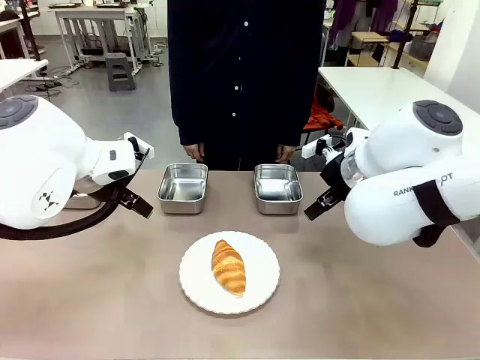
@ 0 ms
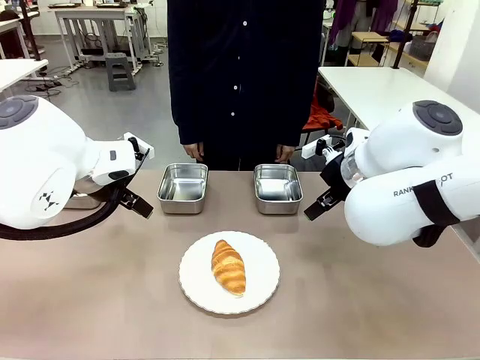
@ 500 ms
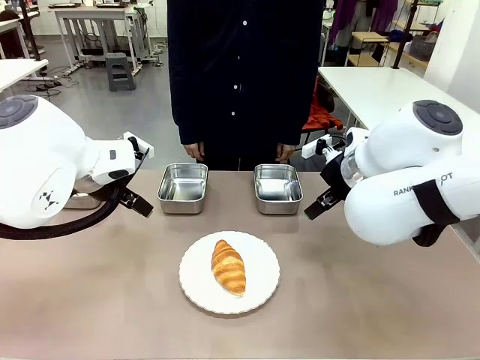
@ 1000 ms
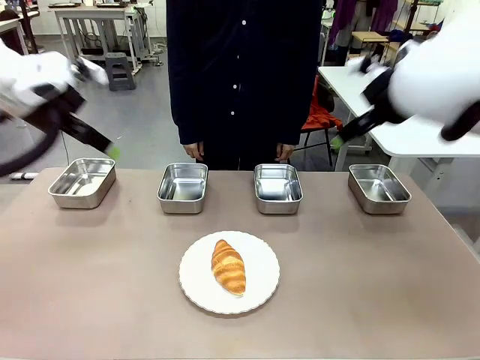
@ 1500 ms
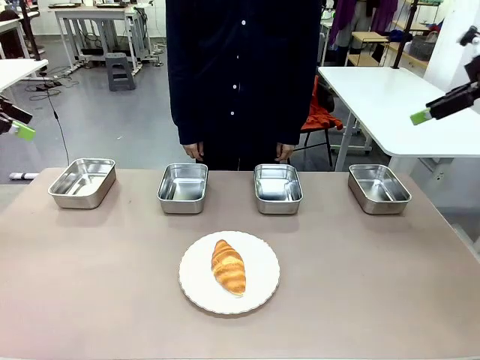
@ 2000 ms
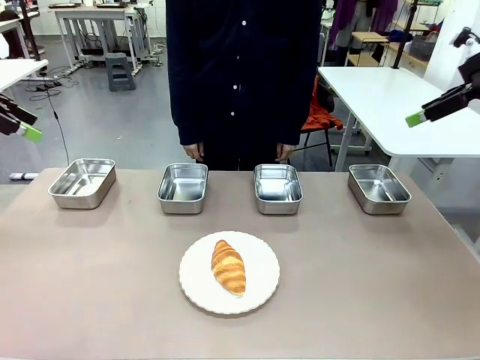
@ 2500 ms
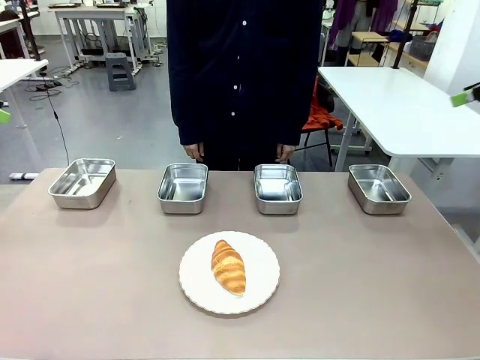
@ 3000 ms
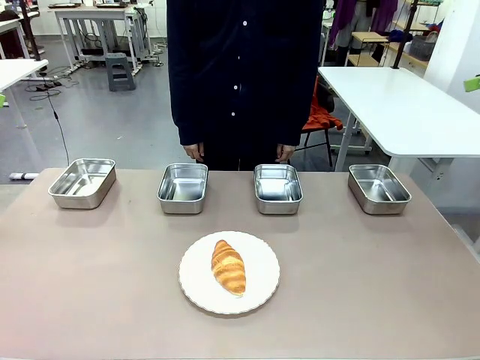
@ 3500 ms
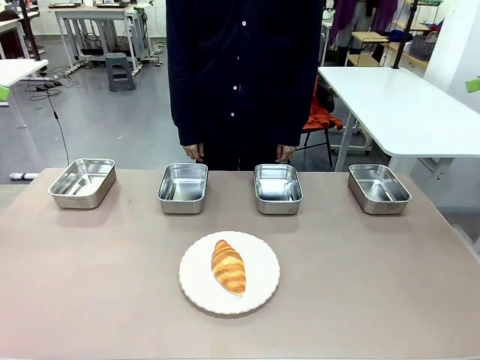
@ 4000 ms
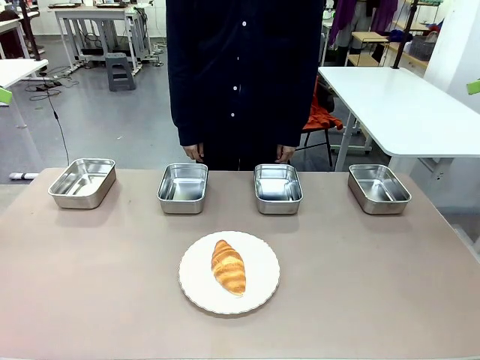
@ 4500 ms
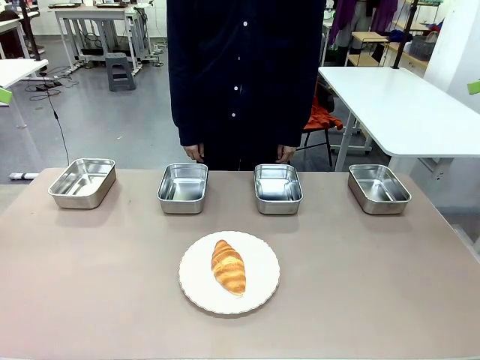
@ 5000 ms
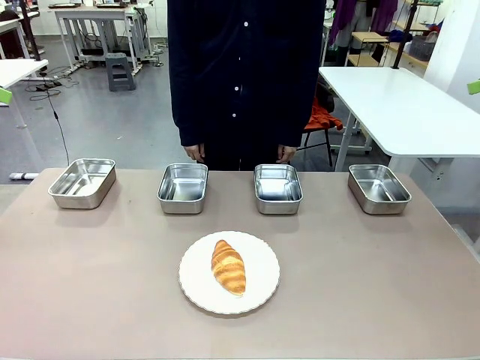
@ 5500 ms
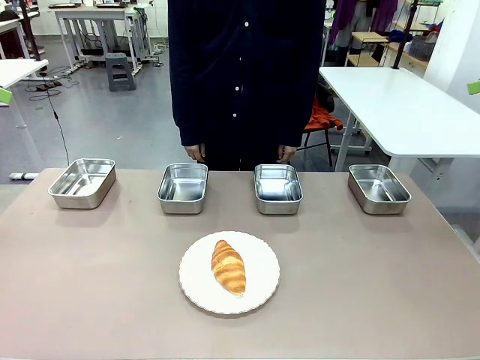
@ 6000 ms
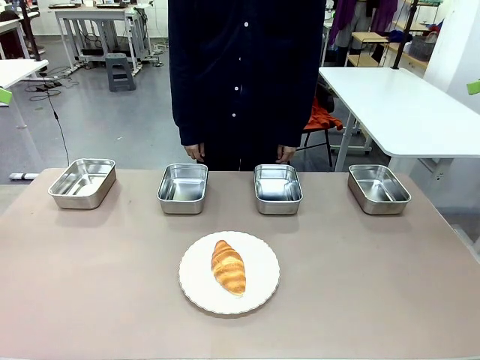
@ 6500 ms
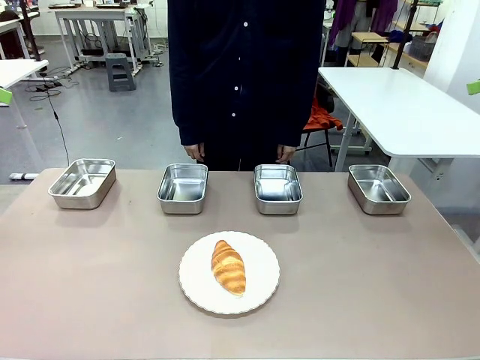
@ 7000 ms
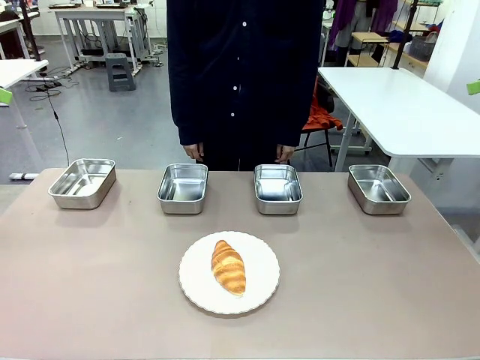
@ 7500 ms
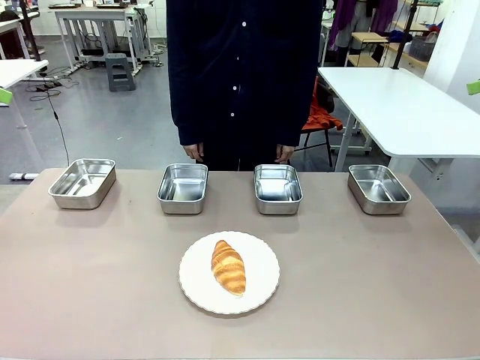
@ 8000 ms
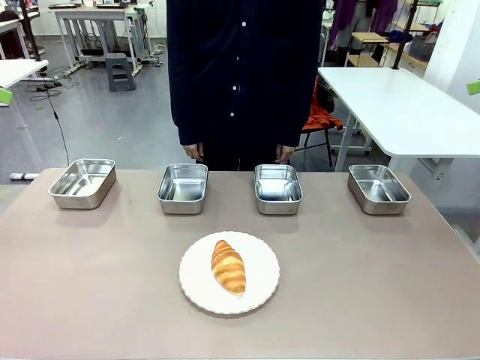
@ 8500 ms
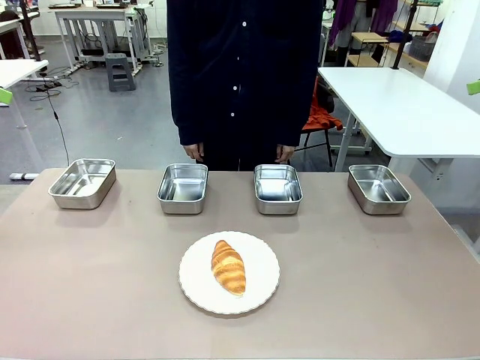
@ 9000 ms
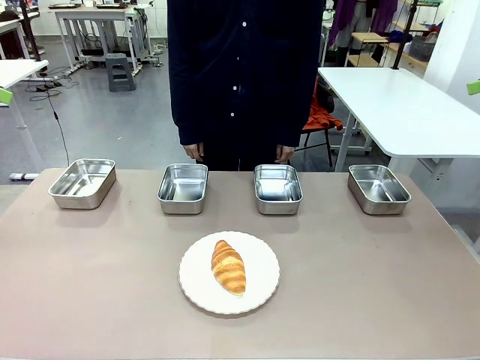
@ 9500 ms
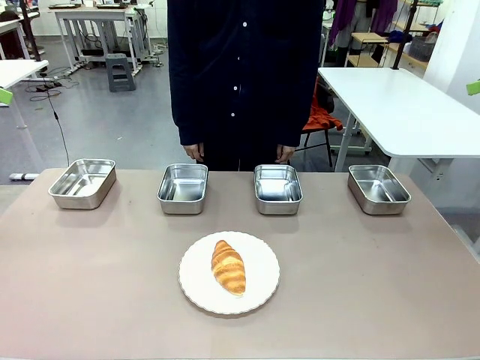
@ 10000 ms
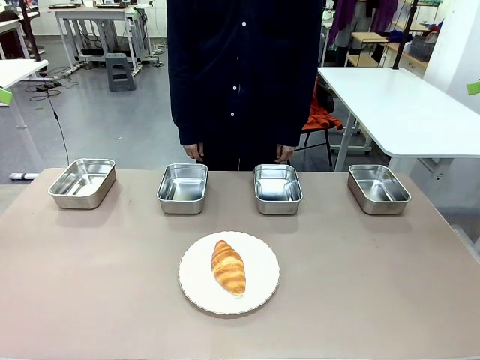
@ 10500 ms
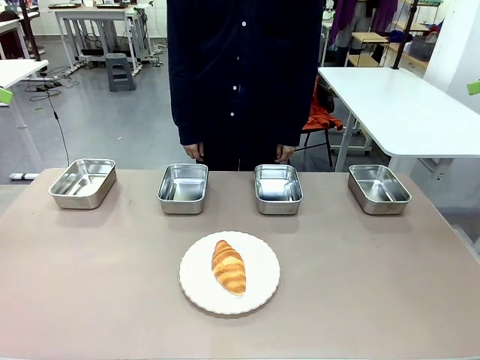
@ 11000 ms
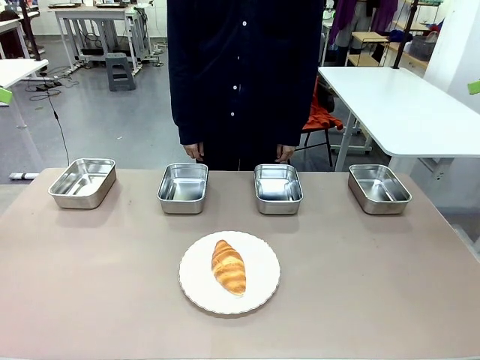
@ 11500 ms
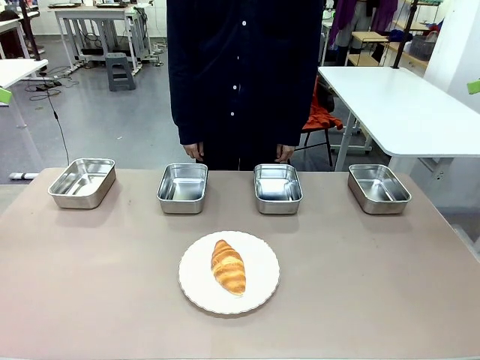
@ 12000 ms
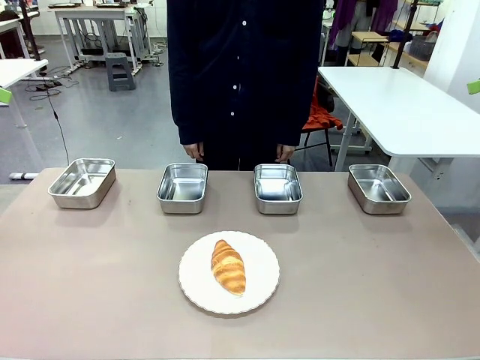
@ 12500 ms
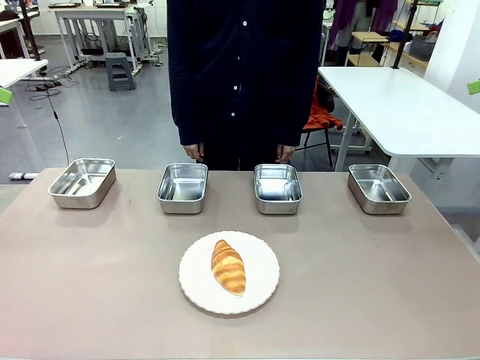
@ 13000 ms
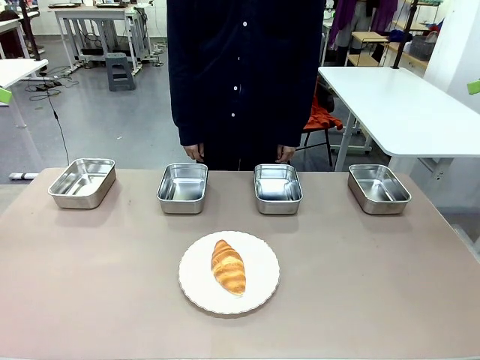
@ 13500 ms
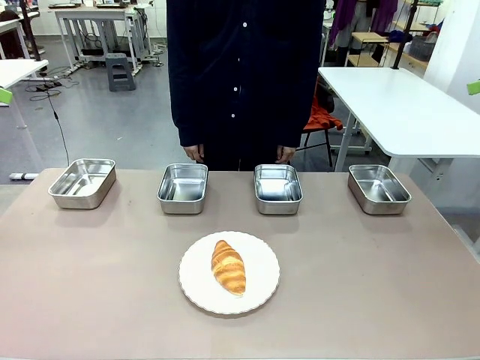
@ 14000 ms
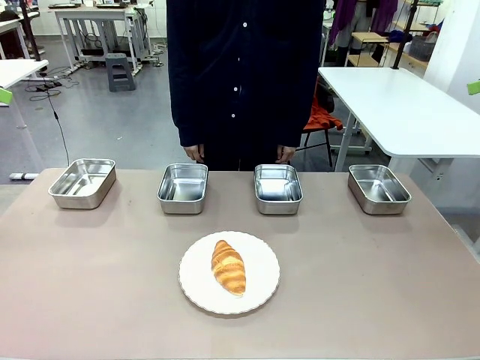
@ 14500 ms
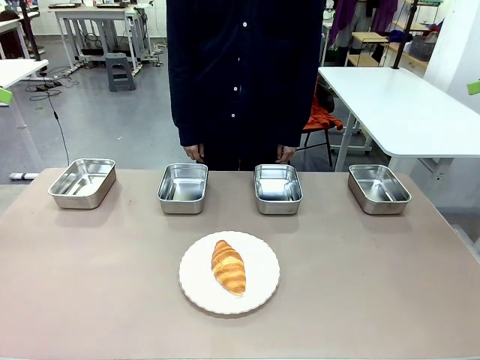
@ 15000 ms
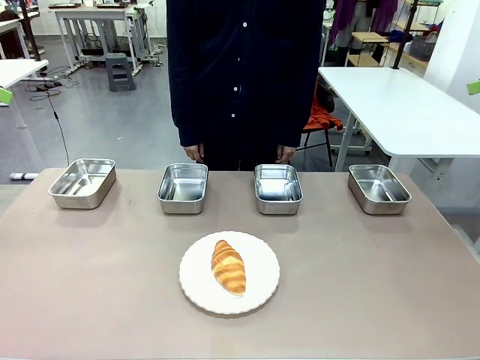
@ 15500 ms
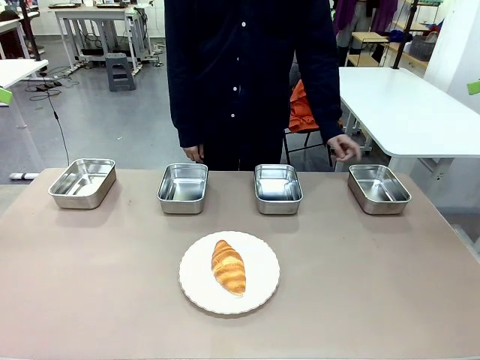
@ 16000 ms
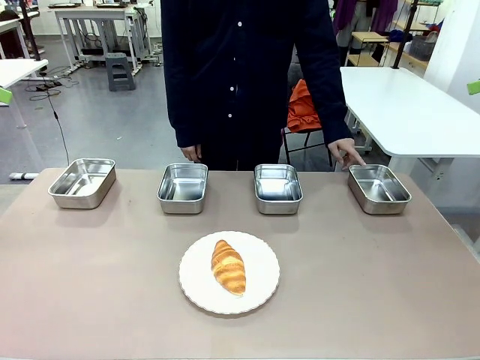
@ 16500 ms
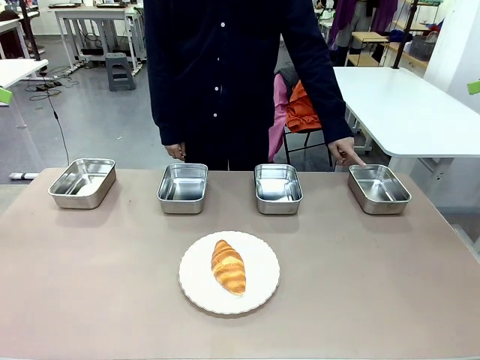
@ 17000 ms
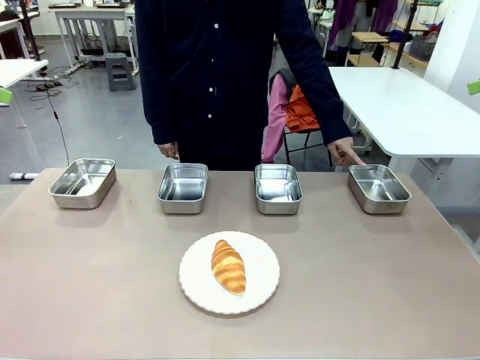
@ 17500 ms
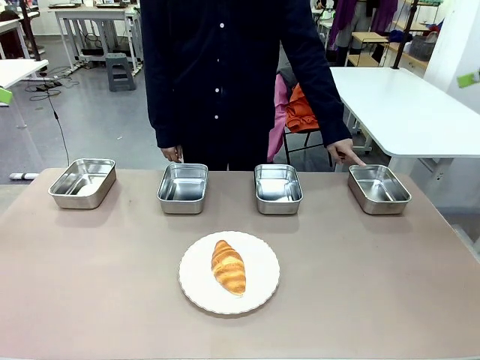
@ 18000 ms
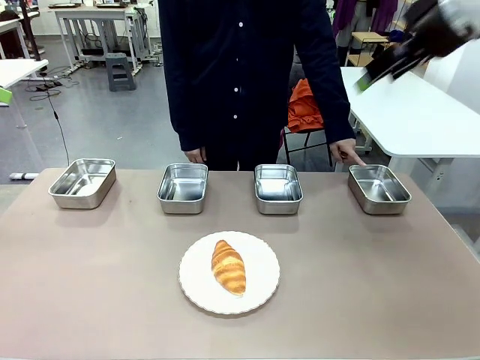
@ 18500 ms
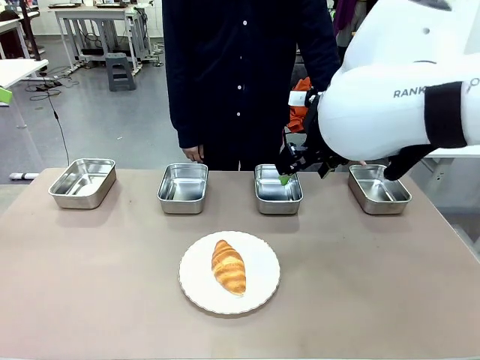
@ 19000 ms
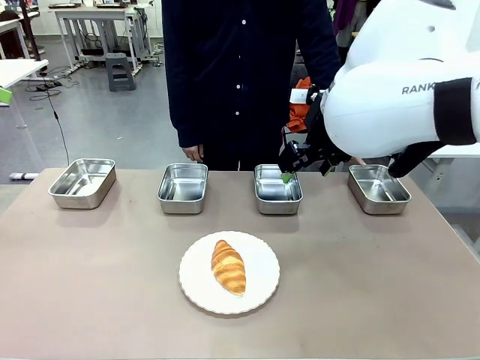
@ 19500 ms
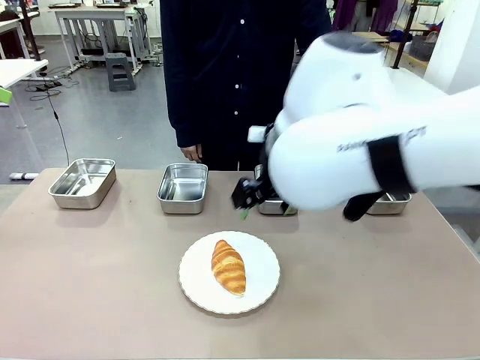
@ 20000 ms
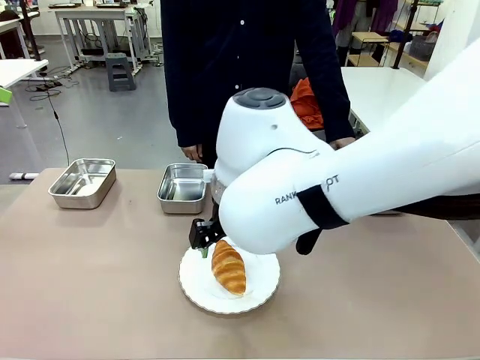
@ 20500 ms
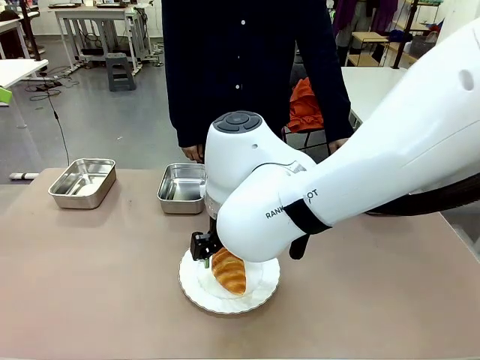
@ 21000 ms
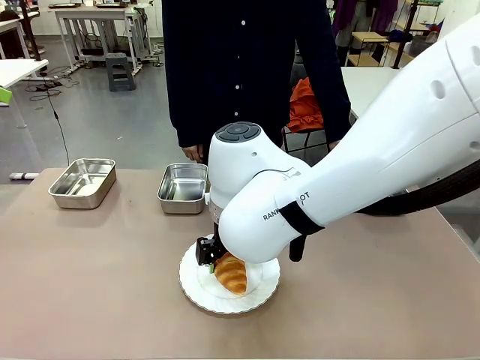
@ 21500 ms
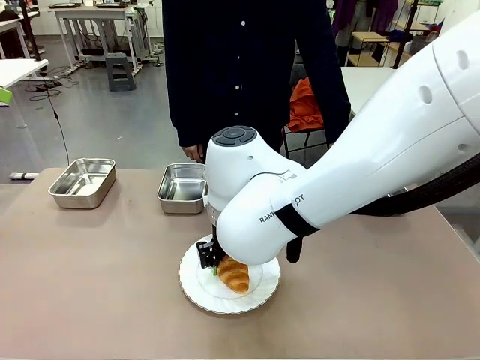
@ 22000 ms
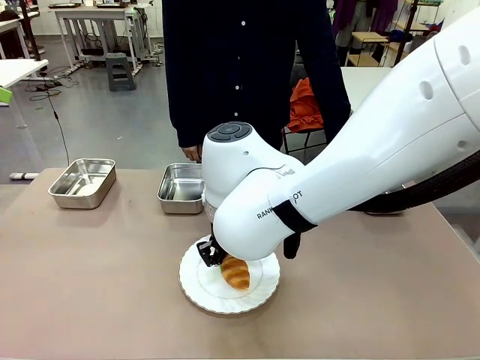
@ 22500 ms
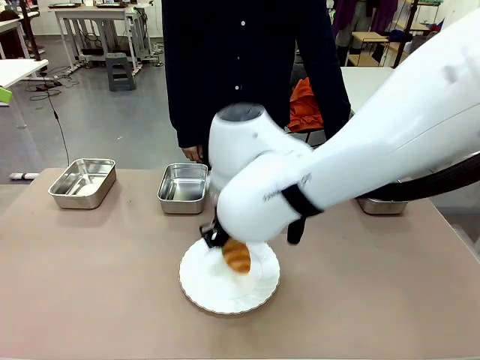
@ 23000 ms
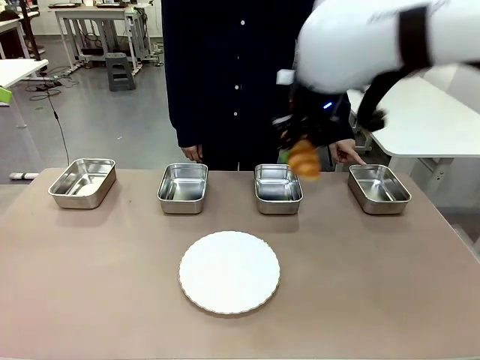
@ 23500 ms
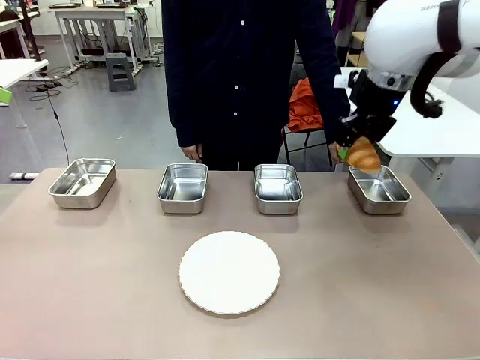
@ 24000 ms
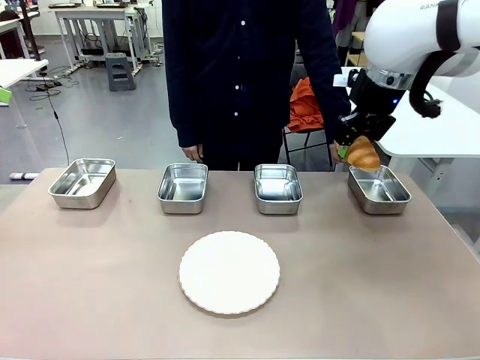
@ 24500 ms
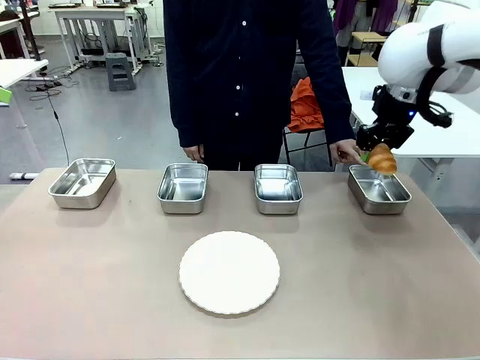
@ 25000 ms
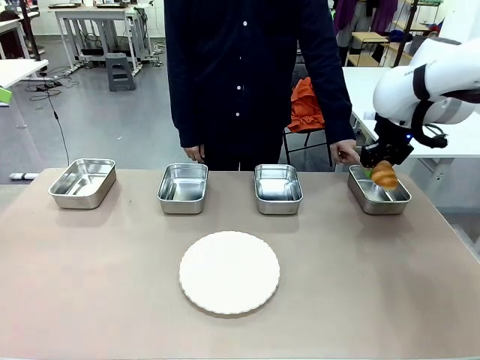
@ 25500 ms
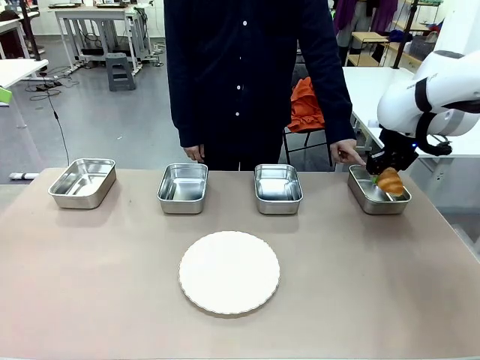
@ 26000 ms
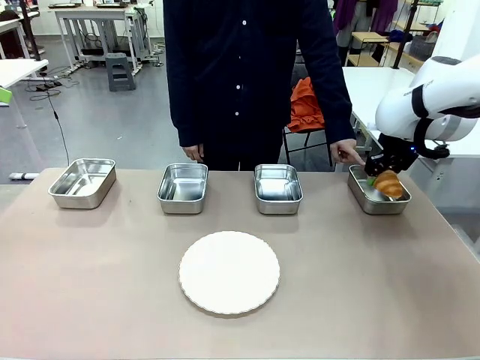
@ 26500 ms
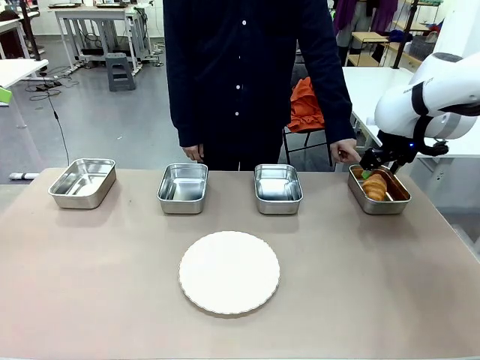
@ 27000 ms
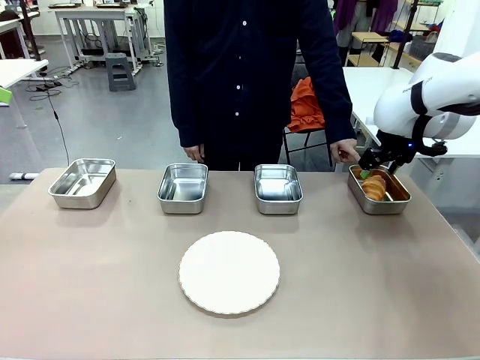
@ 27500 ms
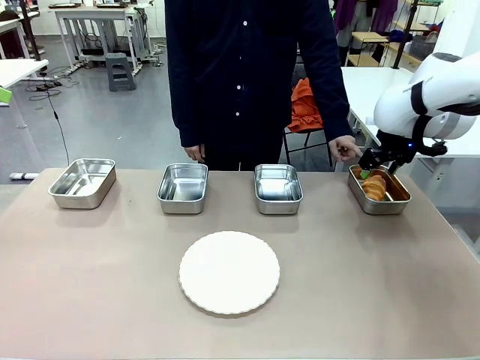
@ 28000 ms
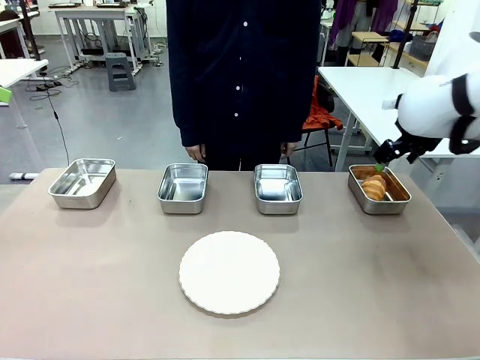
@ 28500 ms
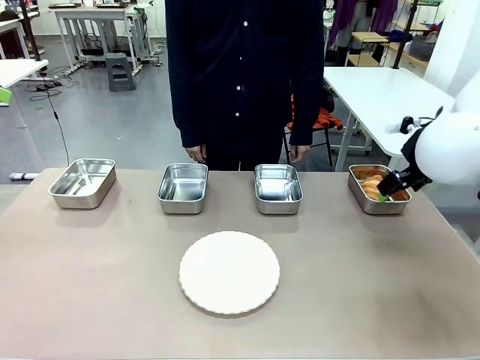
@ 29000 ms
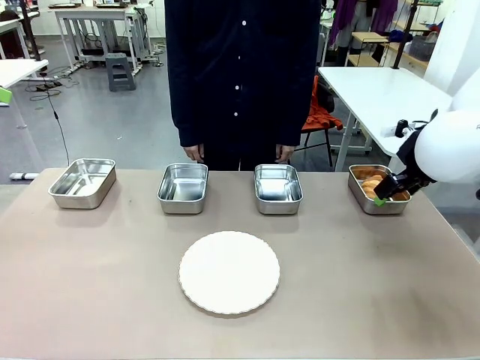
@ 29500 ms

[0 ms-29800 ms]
Task: Place the bread in the container.
Robot: Place the Butter Roll into the Airtight Container indicated by the human.
Person: A person randomly selects and points to an Airtight Container.
